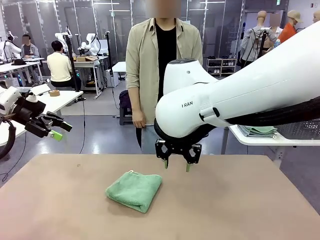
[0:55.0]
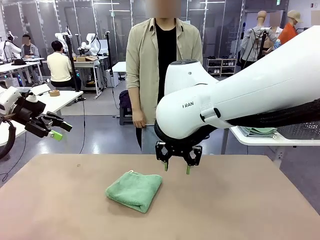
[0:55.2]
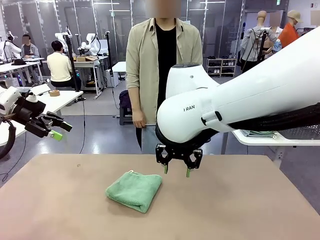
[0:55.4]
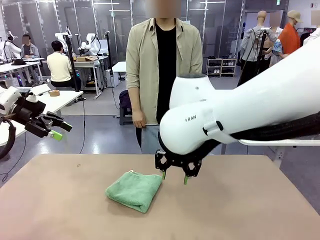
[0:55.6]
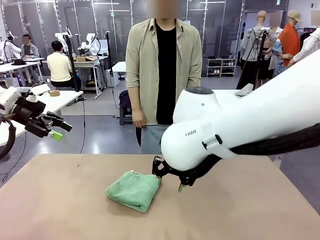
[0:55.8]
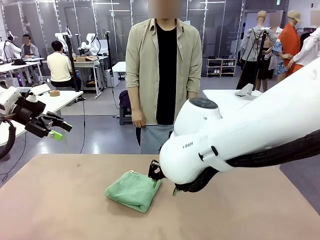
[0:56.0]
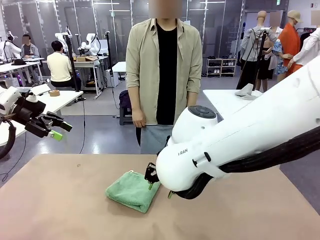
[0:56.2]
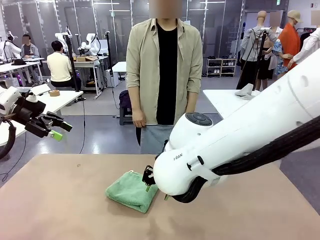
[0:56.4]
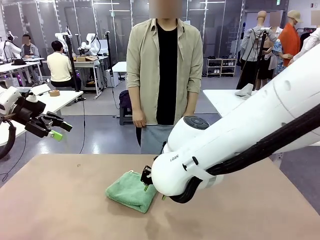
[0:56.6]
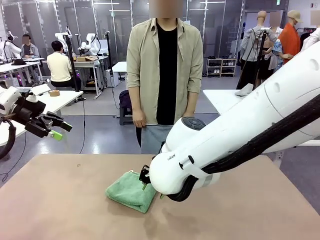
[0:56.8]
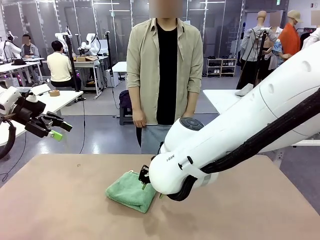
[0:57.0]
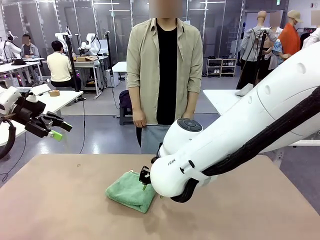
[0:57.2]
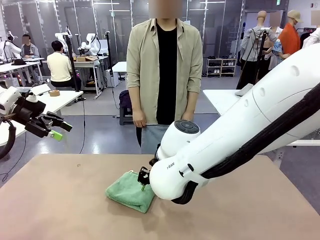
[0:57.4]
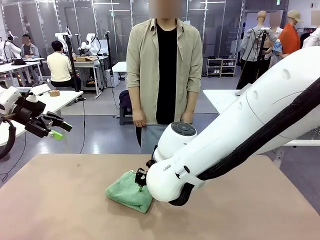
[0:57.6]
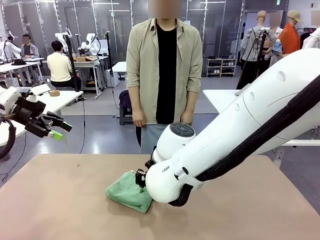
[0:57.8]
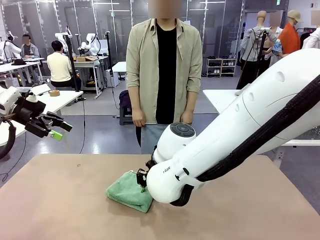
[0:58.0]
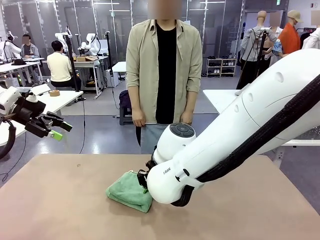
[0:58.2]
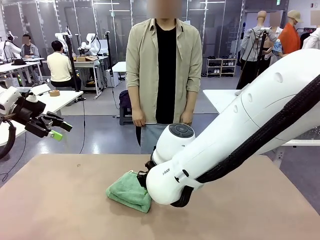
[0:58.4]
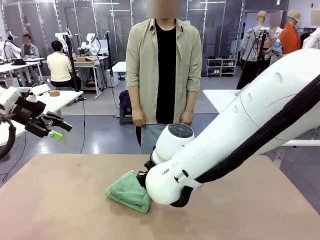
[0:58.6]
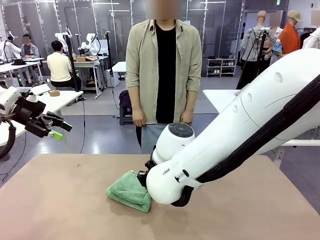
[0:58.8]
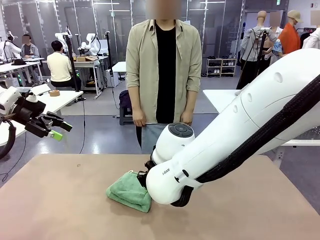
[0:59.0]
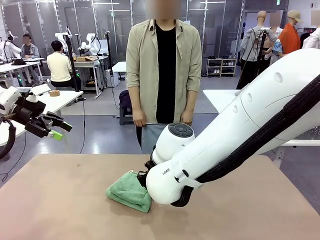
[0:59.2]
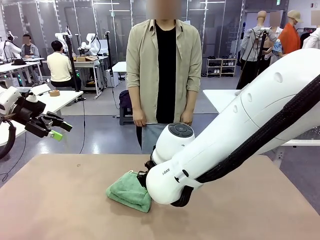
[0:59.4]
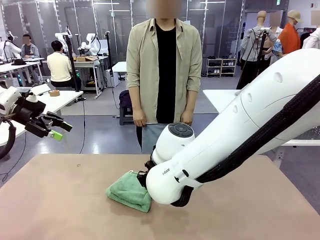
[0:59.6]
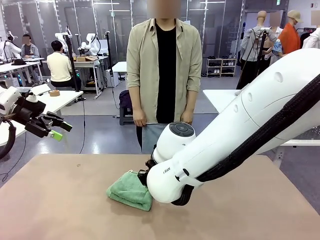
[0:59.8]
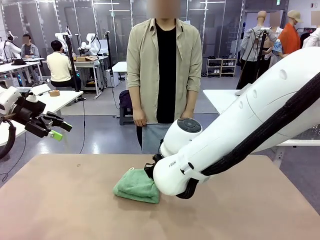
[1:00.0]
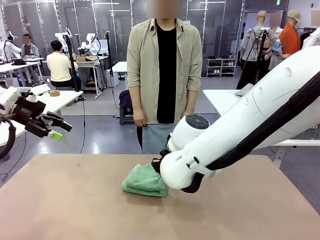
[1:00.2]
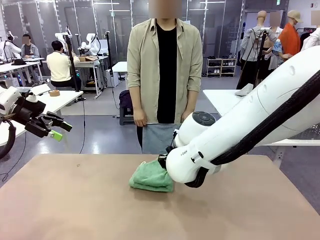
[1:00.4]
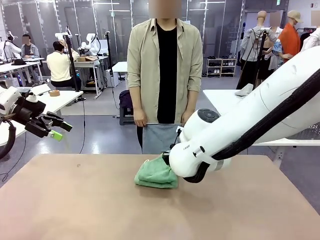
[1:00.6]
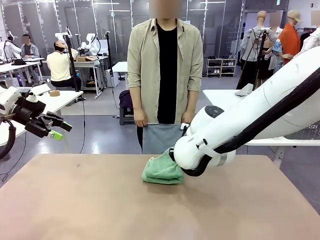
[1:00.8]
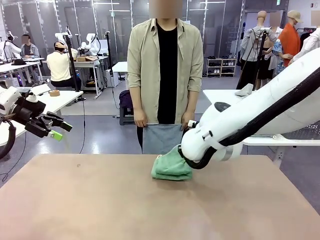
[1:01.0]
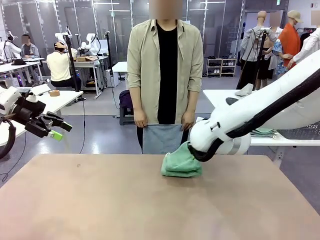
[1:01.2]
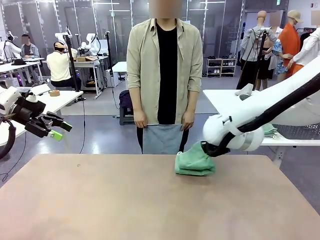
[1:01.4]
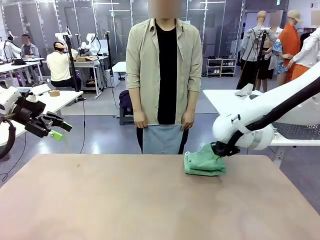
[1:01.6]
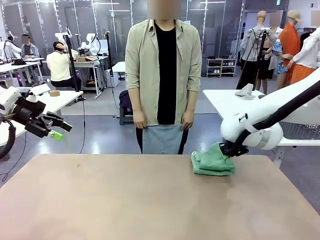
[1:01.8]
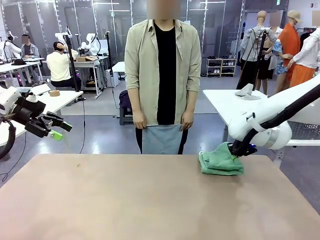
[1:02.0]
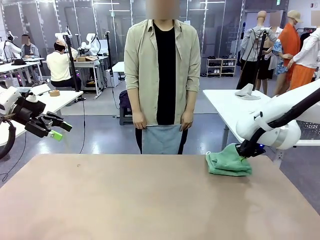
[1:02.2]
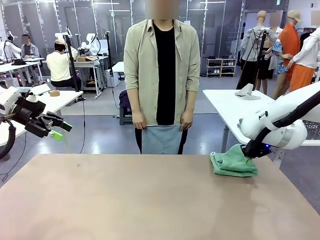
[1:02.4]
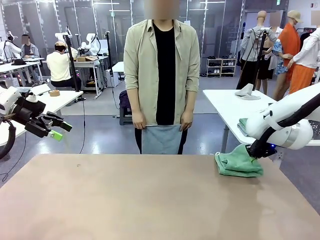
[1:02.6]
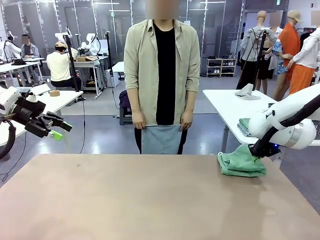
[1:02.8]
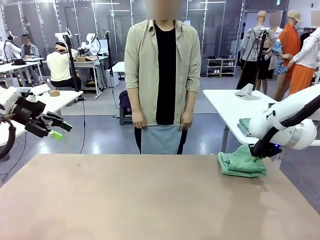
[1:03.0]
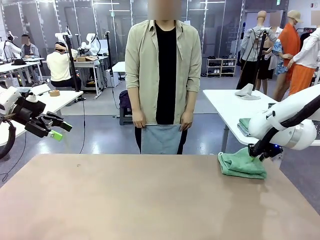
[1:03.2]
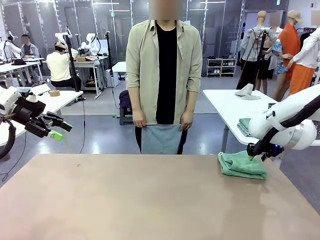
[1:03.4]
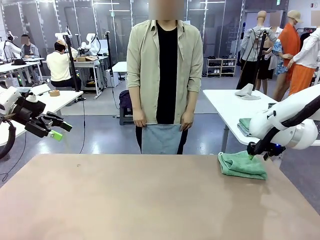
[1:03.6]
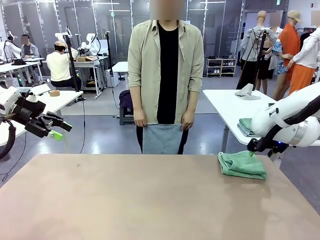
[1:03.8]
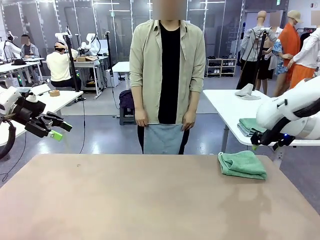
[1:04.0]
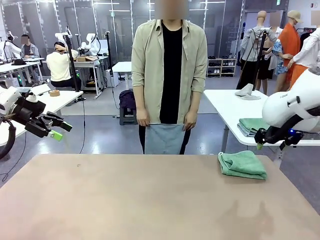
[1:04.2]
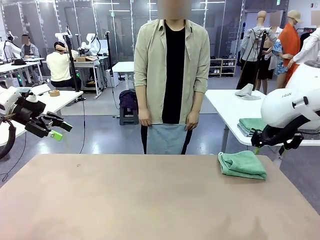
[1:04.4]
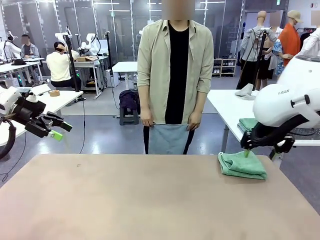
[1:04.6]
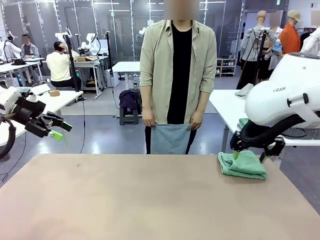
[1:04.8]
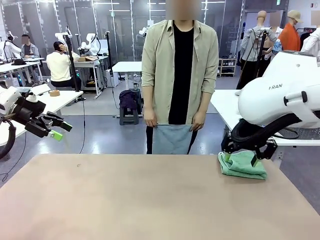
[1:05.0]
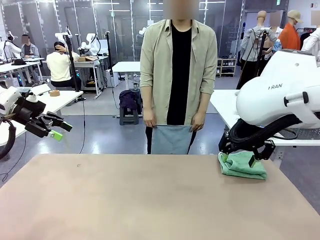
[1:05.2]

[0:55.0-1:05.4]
Task: Fold the towels and place them in the basket.
Robot: Place the folded Towel with hook on the right side of the table.

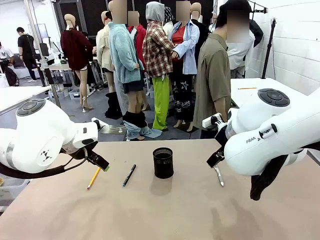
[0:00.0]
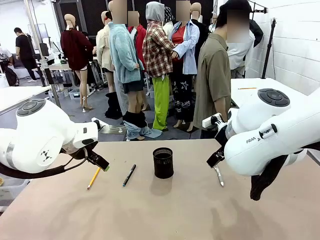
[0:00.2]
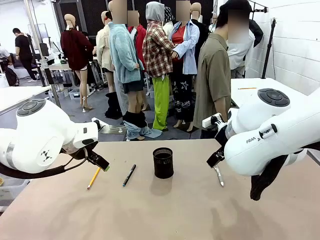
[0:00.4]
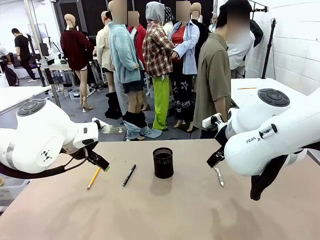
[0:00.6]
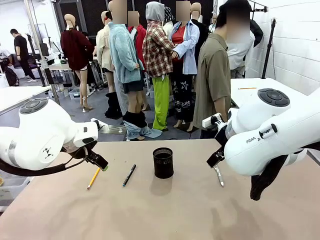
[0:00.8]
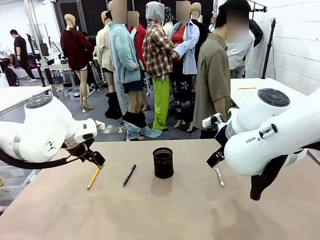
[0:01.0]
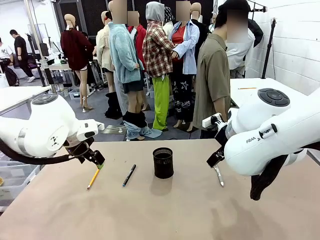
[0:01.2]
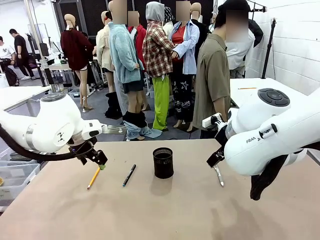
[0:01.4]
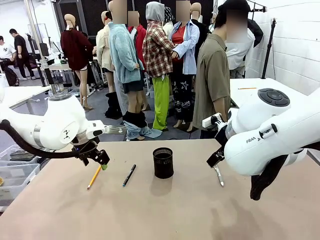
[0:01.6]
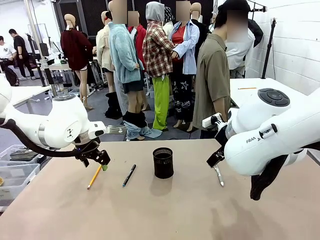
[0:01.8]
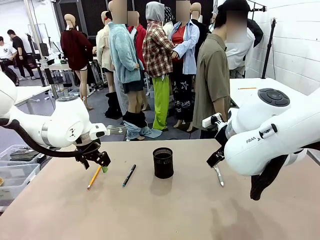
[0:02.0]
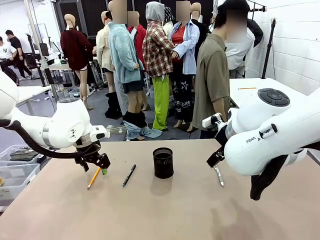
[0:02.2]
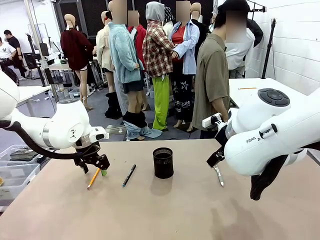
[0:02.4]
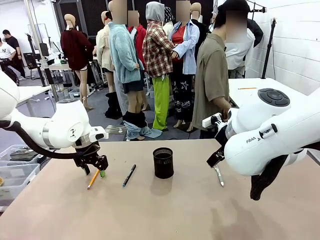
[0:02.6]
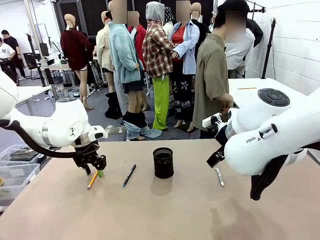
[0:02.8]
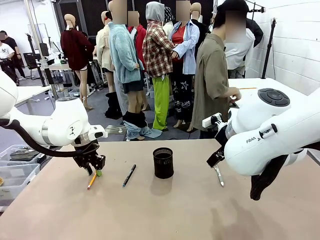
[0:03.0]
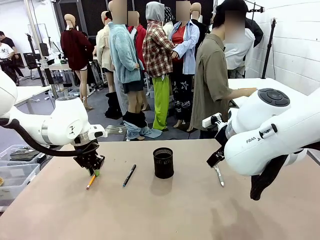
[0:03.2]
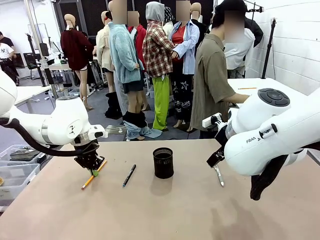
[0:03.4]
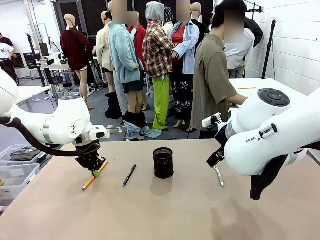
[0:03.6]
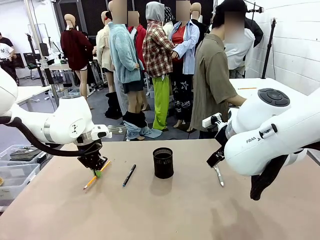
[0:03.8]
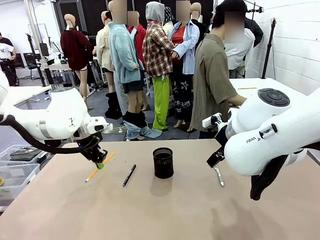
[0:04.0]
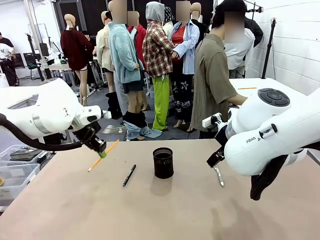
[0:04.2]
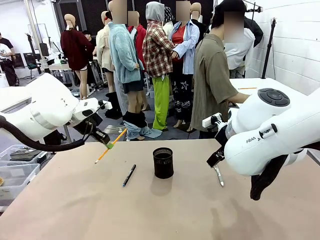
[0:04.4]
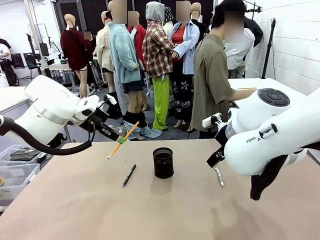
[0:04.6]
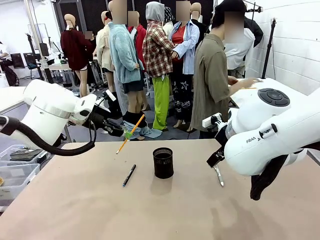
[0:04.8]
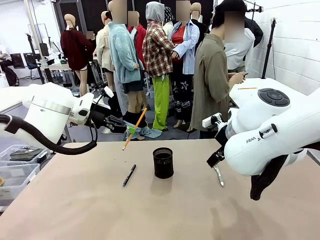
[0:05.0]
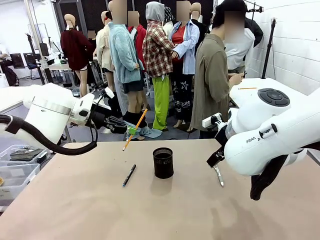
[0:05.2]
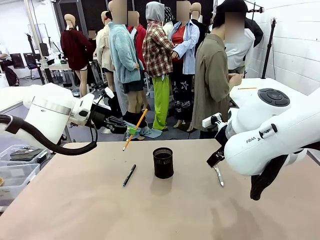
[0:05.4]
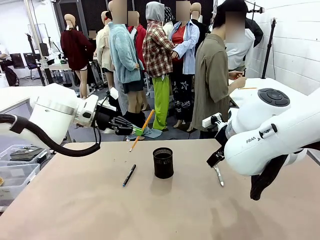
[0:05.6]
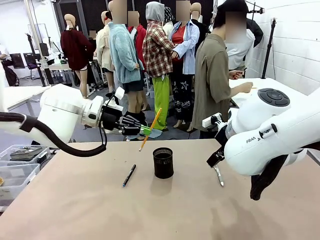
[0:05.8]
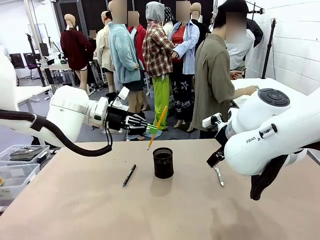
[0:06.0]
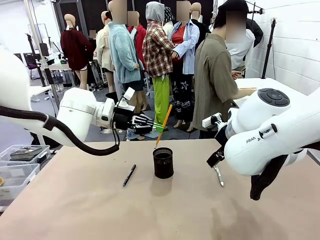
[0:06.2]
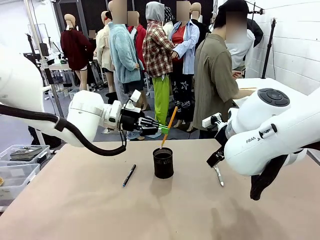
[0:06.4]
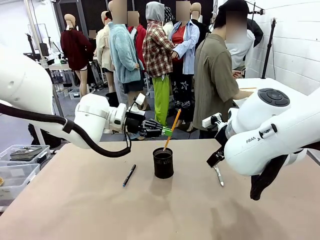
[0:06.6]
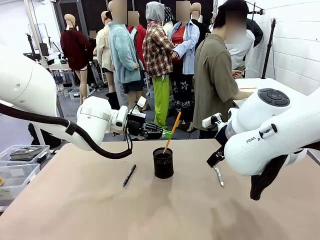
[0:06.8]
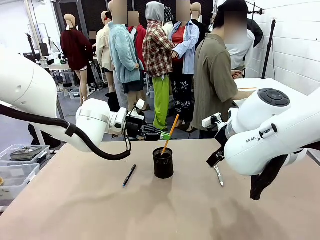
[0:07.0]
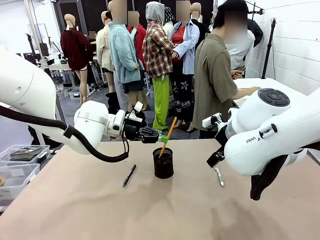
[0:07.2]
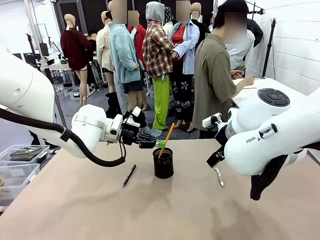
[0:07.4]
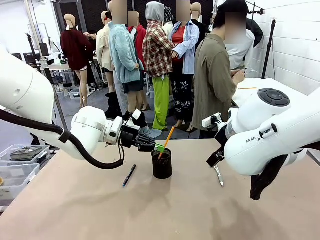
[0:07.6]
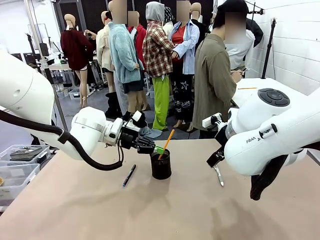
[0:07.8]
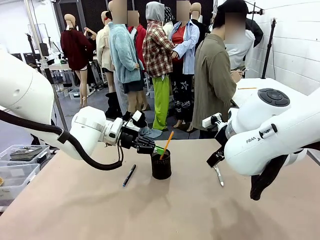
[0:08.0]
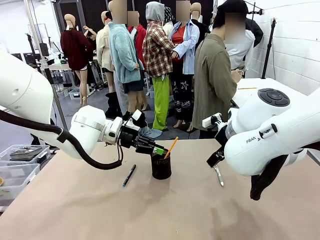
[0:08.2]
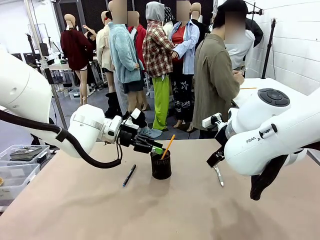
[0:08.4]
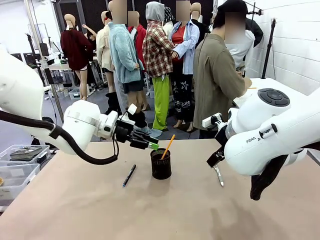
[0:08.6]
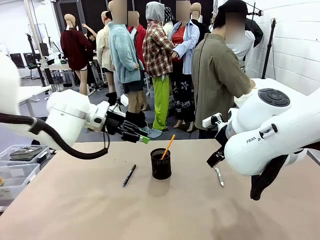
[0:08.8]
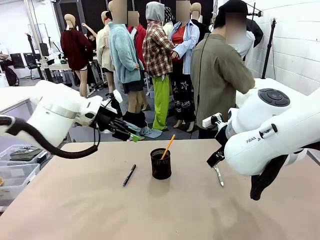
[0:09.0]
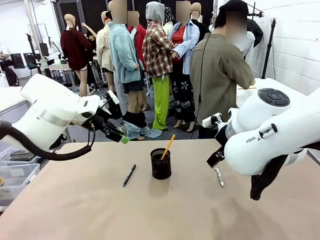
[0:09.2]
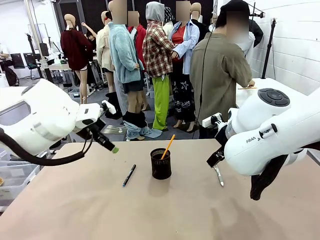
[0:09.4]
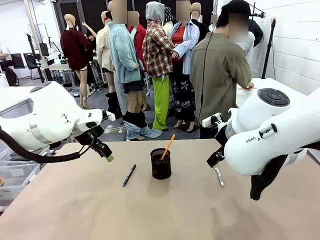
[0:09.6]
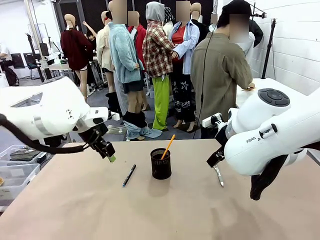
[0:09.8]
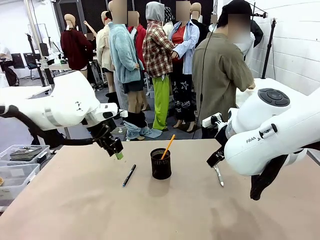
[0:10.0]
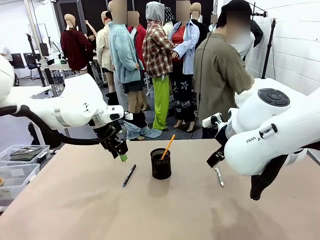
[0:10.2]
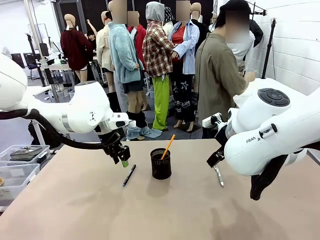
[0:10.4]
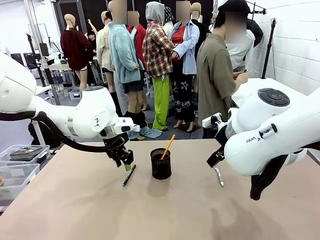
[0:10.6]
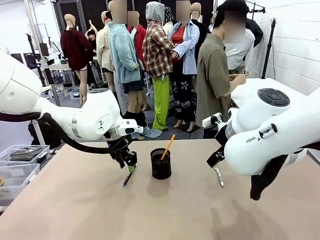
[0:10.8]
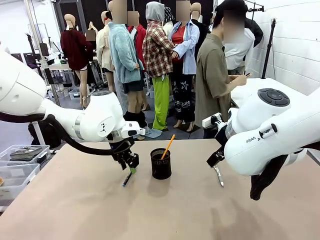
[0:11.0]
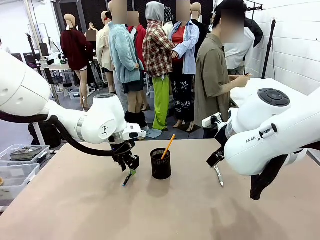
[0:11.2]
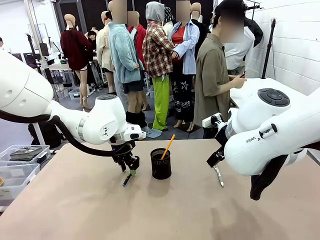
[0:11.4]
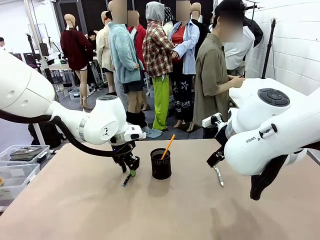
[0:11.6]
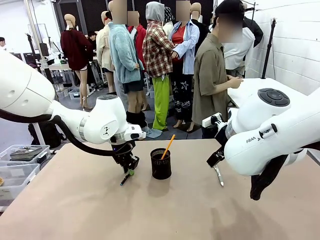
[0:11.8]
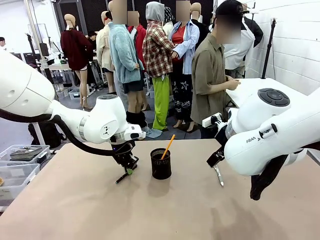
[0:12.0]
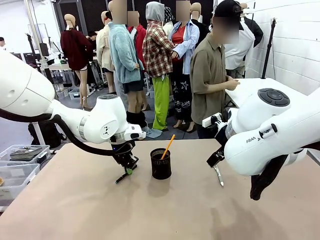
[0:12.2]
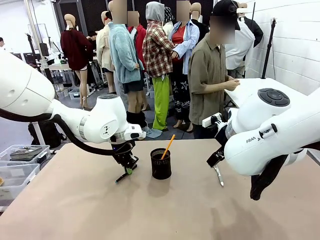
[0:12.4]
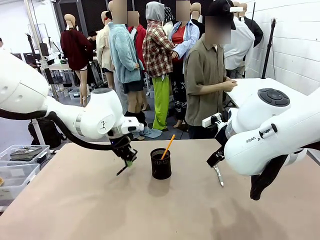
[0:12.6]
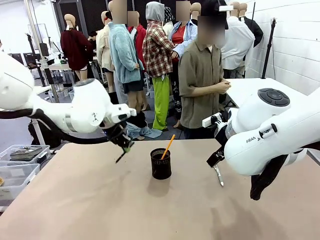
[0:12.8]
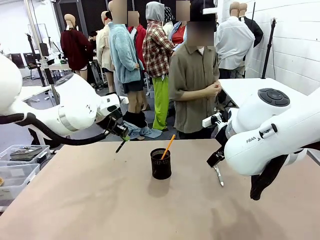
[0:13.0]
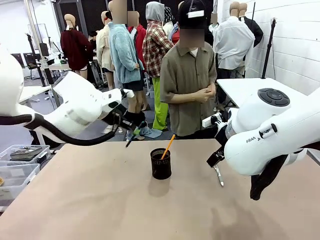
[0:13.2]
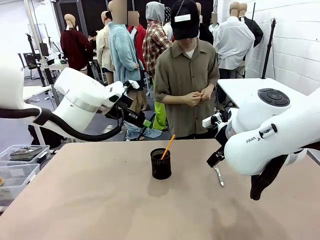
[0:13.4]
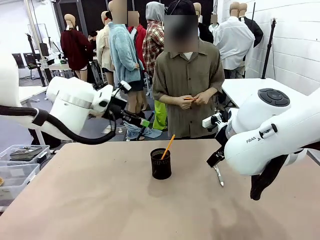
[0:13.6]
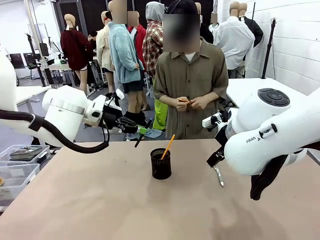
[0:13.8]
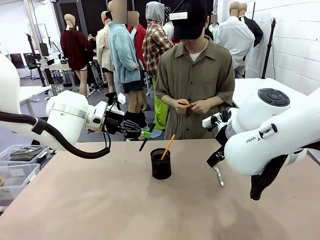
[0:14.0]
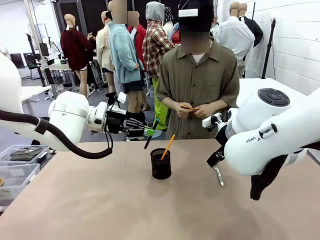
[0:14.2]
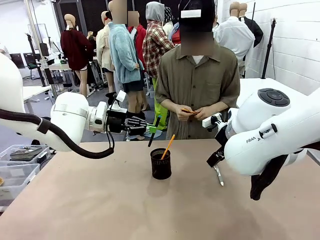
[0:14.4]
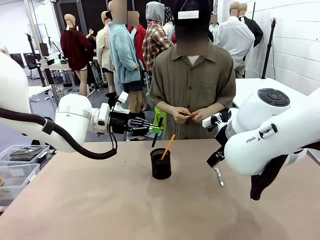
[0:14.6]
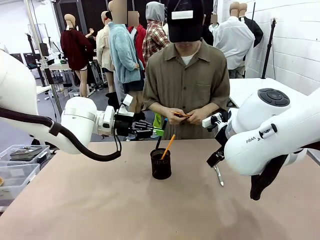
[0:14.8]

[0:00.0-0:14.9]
Task: Place the pens into the pen holder.
Robot: Pick up a writing instrument from the table and place it into the Pen holder.
Person: Pick up all writing instruments from the Human table.
